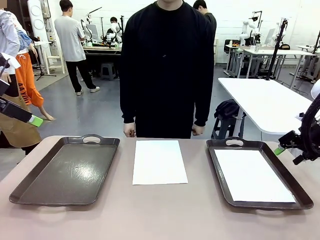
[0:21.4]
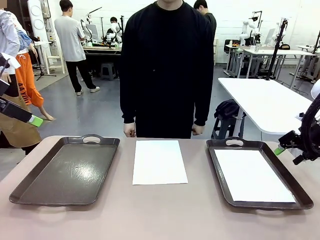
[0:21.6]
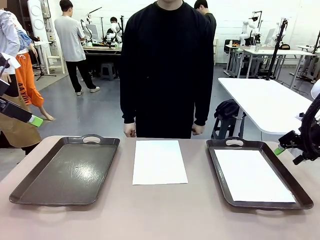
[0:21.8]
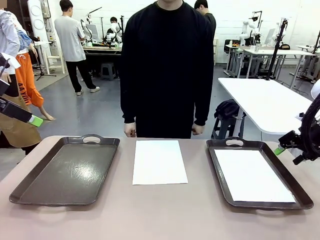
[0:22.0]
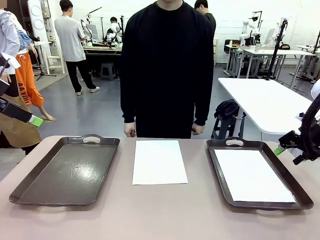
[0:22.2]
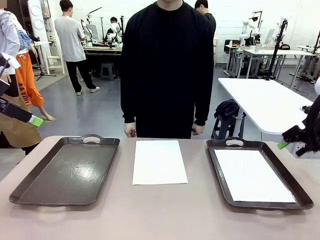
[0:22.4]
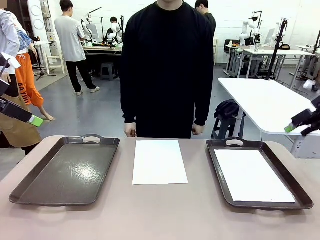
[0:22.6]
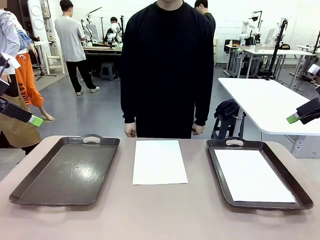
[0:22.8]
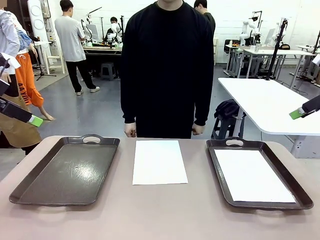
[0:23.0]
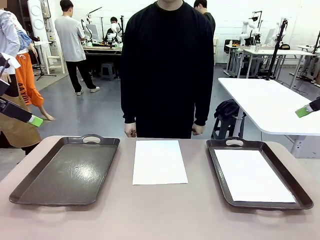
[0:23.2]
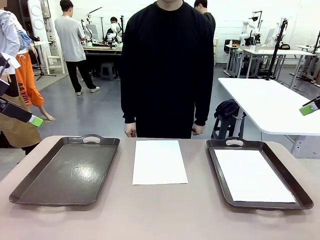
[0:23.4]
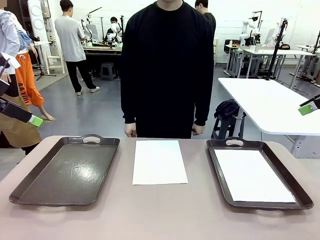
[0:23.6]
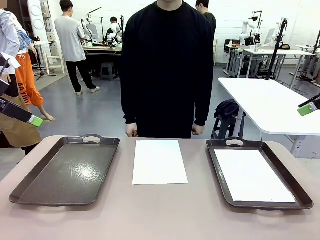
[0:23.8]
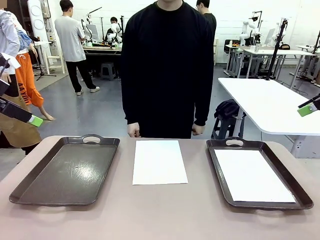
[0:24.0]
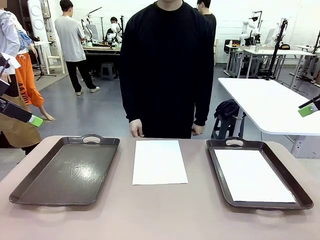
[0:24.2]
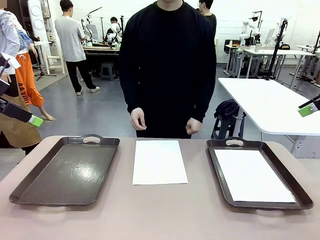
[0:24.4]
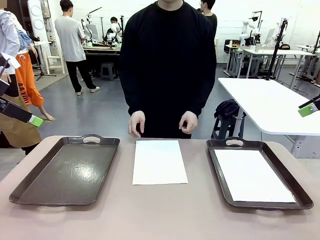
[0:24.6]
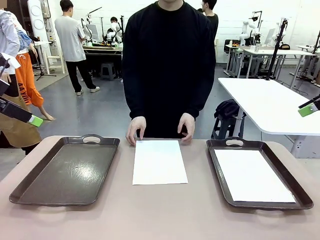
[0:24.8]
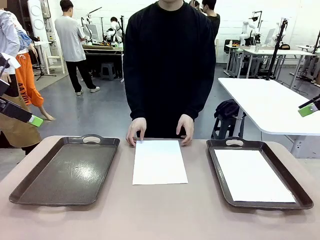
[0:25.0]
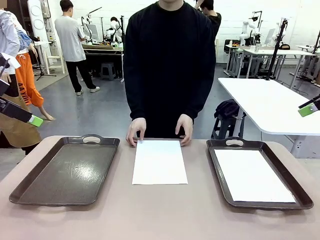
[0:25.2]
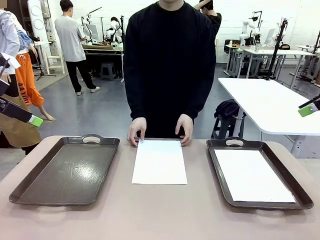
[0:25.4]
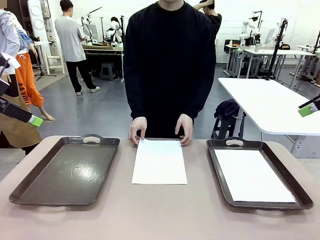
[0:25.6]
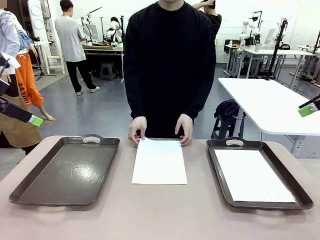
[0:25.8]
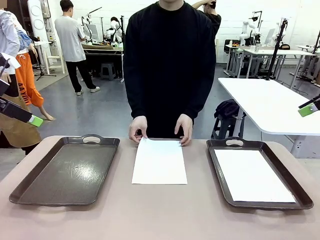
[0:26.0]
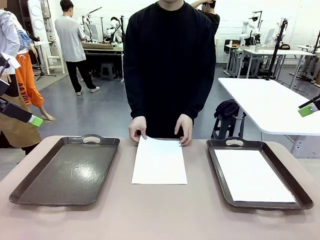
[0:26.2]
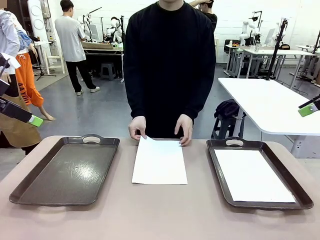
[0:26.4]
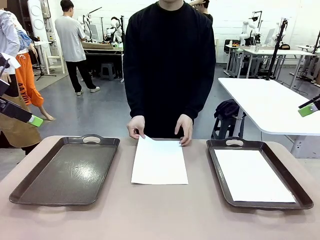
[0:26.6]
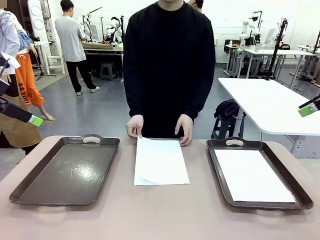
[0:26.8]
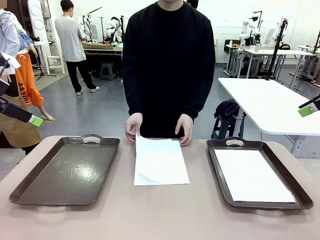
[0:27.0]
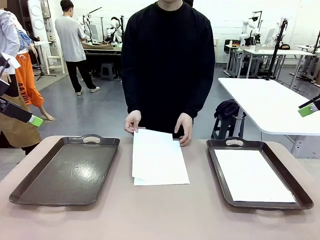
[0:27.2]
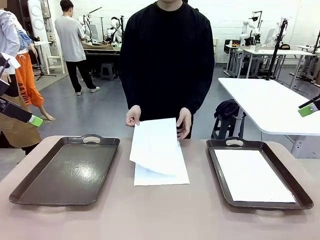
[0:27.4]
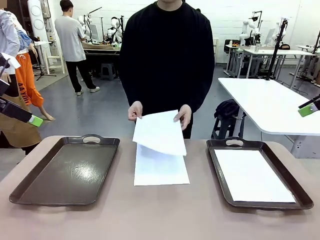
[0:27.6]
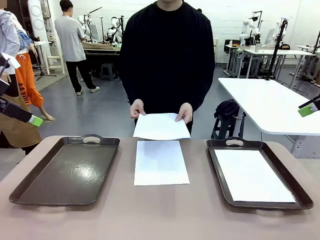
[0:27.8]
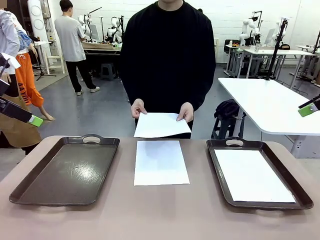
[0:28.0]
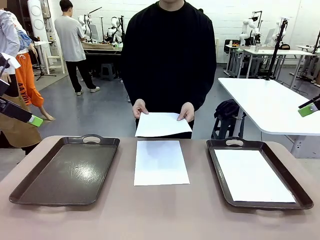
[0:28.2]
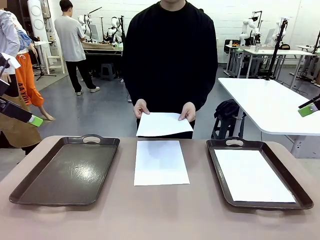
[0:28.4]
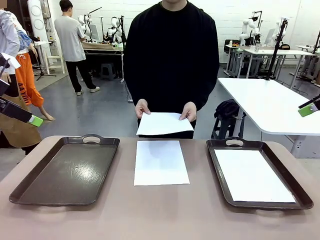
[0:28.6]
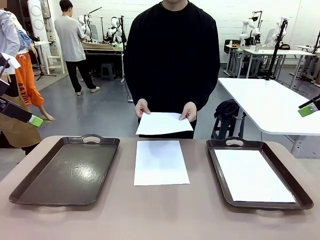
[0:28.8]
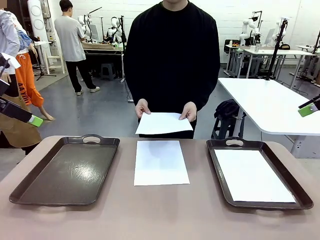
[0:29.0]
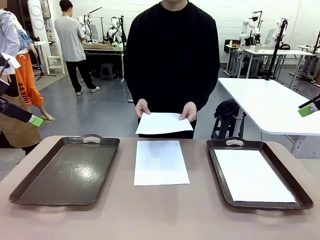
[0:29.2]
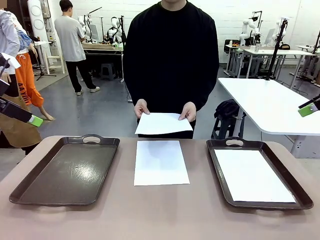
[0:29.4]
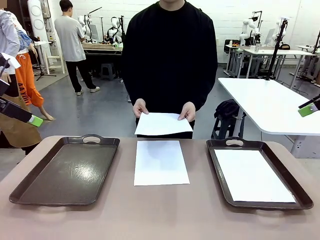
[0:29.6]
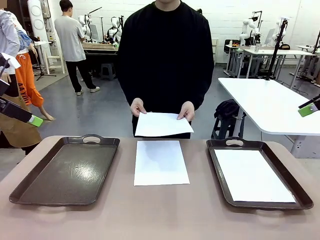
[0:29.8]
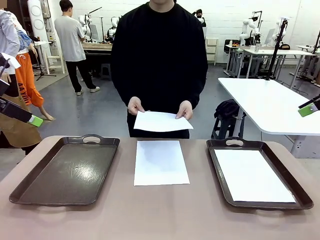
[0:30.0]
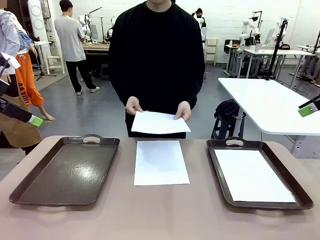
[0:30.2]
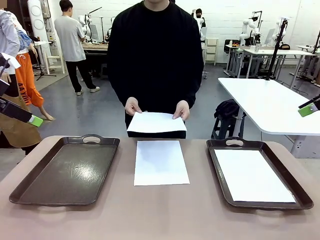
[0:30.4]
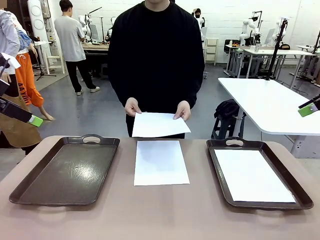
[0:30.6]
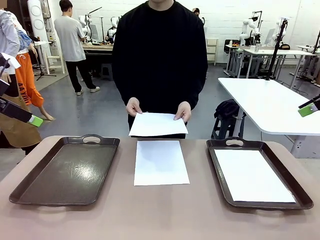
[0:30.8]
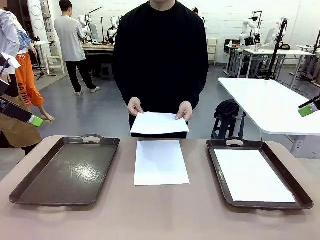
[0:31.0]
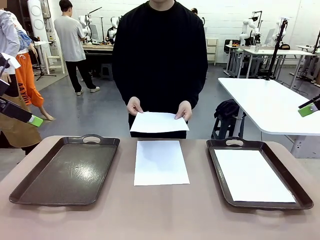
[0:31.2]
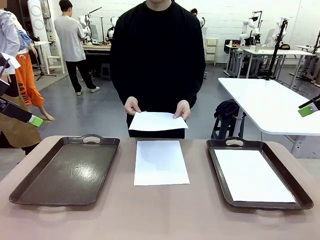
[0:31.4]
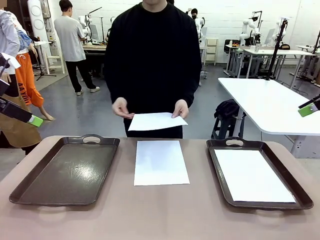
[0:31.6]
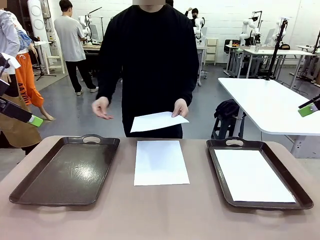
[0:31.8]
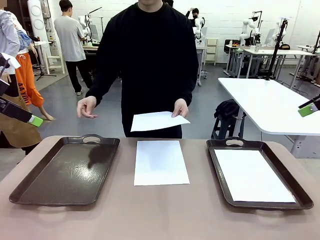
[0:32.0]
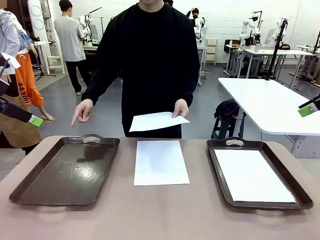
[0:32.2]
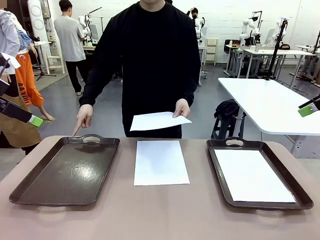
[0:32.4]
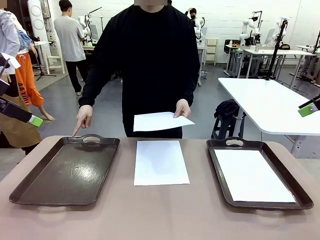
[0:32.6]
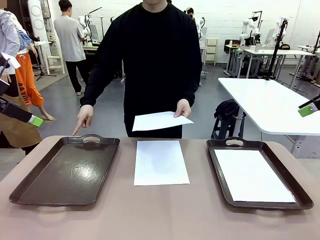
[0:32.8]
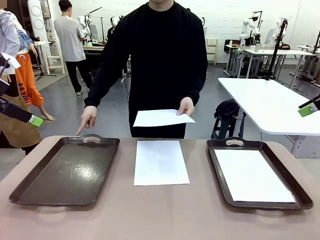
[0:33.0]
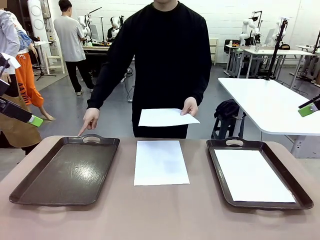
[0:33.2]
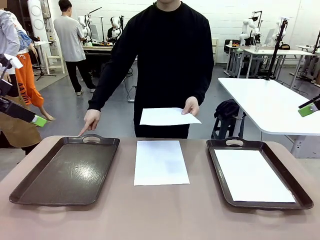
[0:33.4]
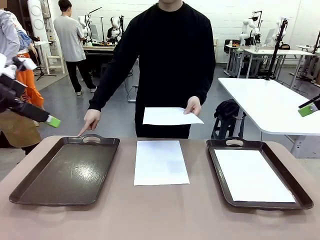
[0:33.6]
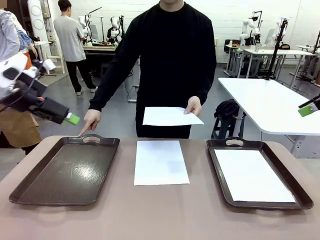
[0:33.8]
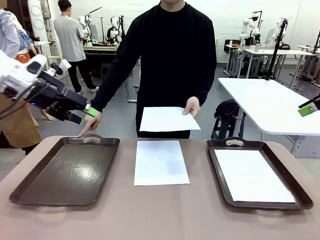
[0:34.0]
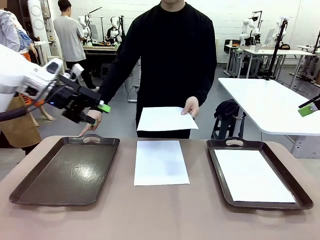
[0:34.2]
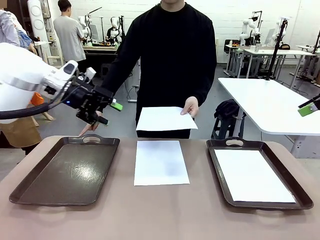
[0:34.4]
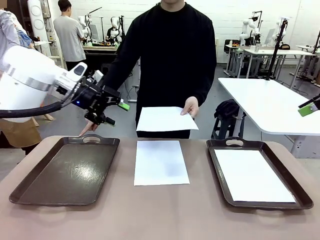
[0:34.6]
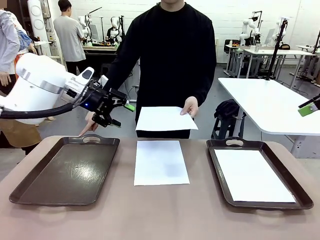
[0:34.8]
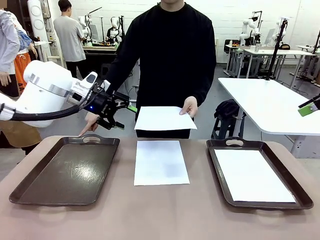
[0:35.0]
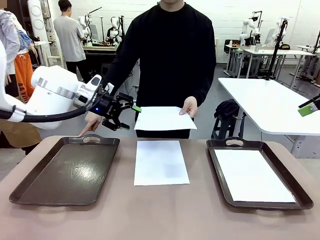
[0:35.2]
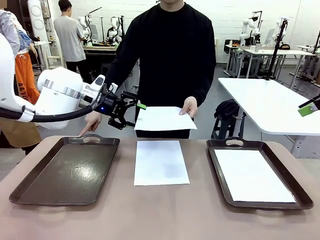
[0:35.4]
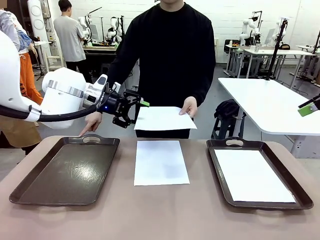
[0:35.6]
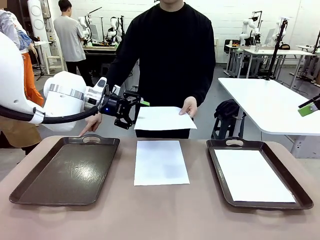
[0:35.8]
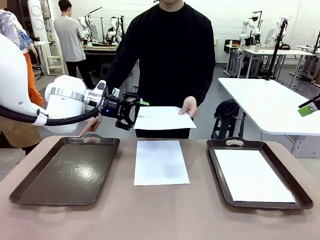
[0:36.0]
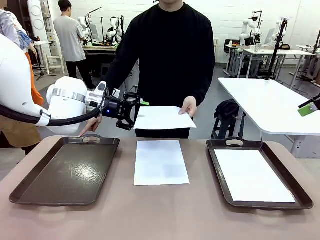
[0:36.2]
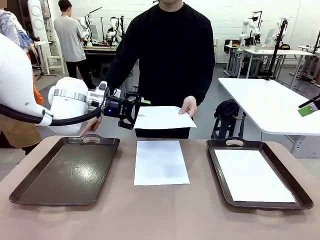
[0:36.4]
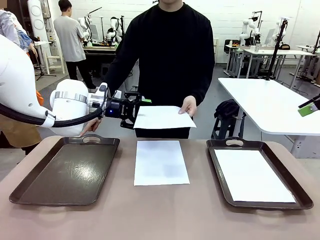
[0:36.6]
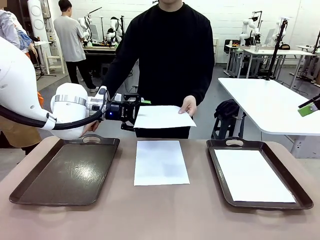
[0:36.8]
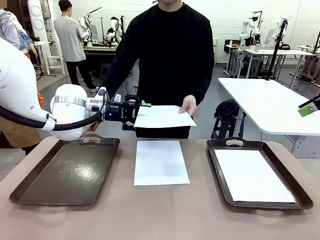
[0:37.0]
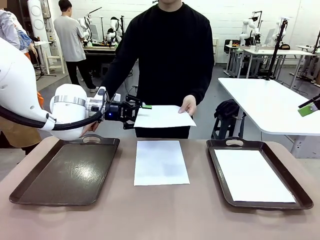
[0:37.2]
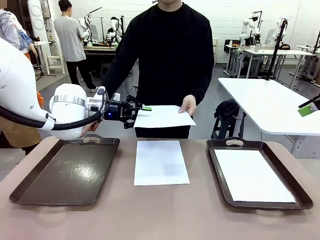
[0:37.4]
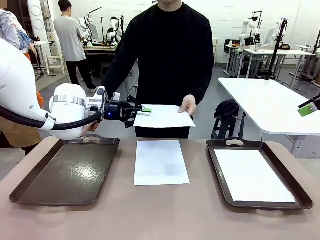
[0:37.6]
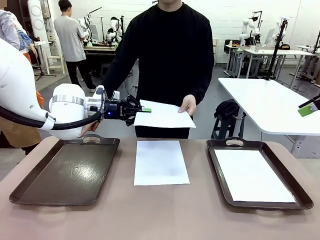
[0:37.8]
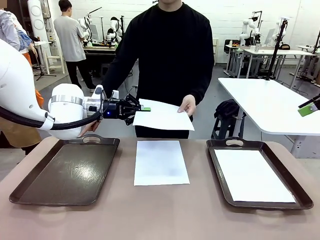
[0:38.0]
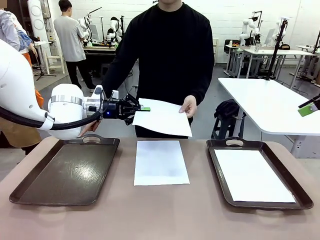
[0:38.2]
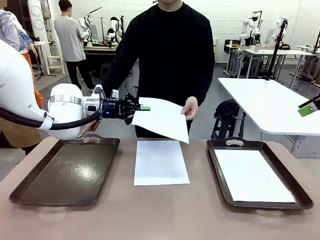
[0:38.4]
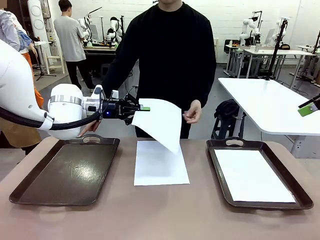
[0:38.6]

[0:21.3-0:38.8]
Task: Sort the A4 documents.
Robot: Receive the A4 Paper.
Person: Point the randomly selected tray with the other hand.

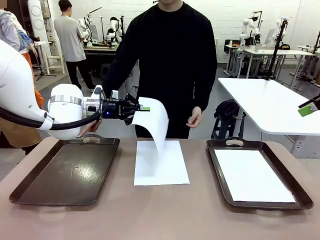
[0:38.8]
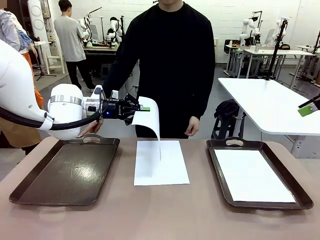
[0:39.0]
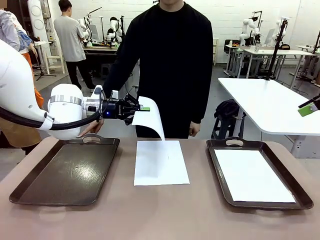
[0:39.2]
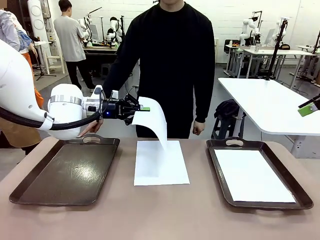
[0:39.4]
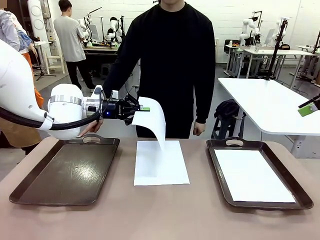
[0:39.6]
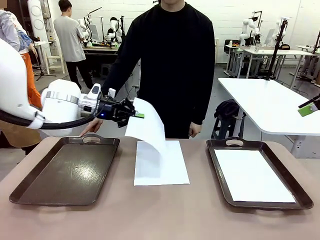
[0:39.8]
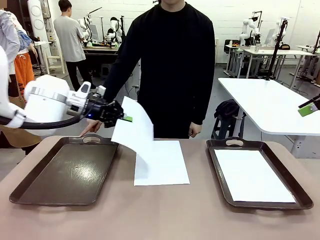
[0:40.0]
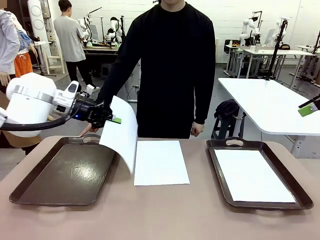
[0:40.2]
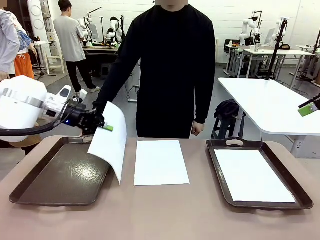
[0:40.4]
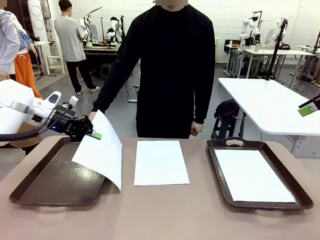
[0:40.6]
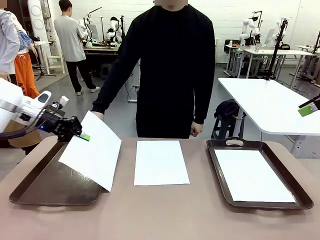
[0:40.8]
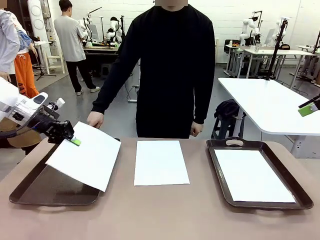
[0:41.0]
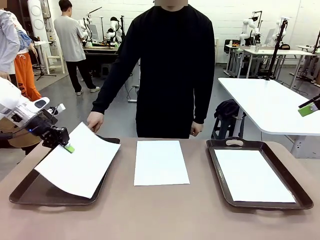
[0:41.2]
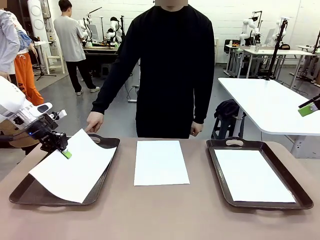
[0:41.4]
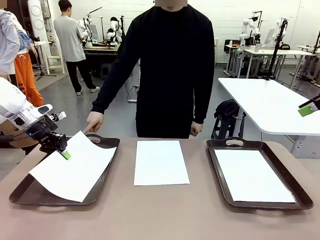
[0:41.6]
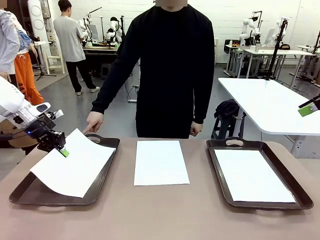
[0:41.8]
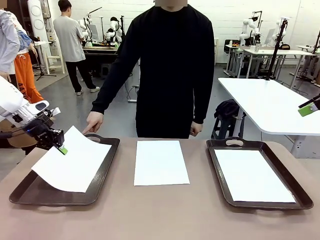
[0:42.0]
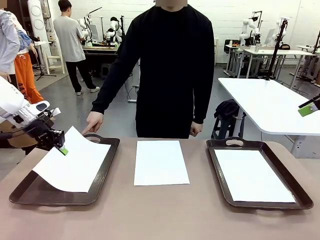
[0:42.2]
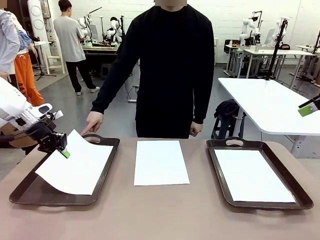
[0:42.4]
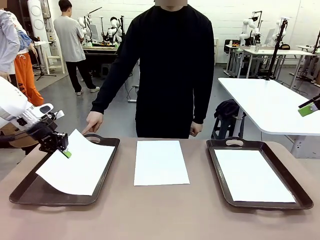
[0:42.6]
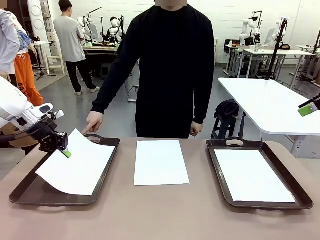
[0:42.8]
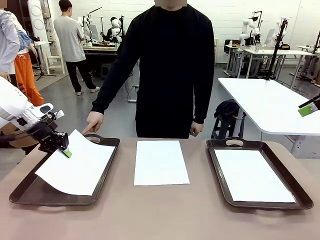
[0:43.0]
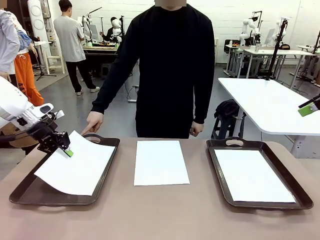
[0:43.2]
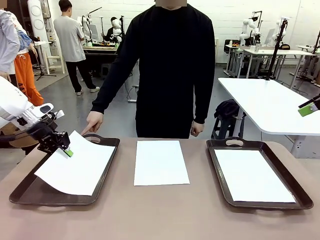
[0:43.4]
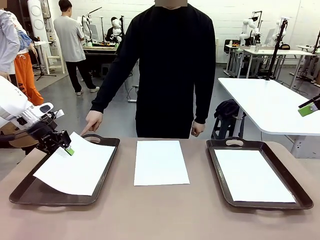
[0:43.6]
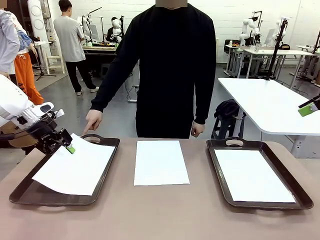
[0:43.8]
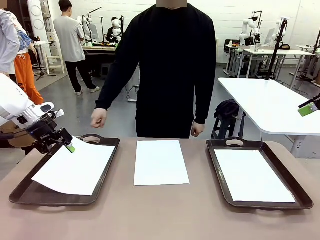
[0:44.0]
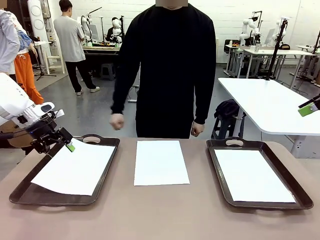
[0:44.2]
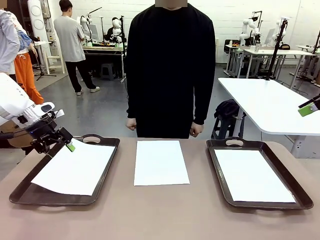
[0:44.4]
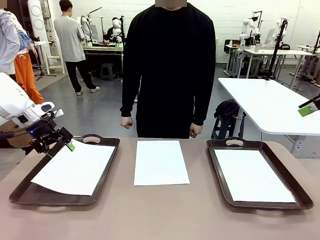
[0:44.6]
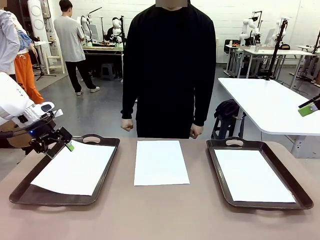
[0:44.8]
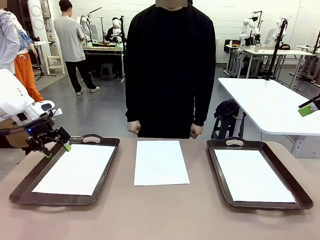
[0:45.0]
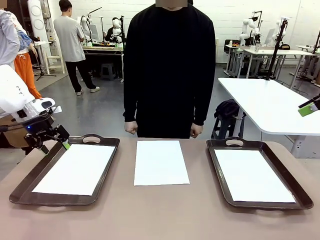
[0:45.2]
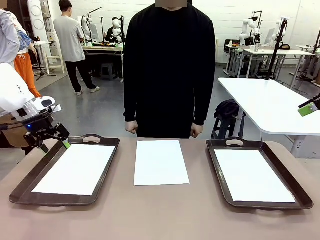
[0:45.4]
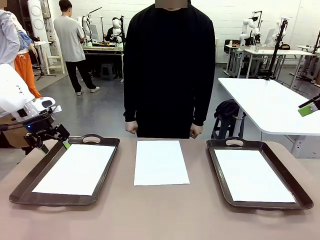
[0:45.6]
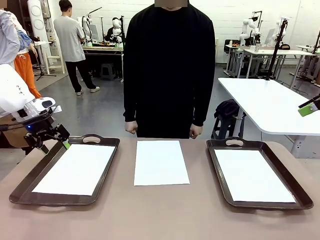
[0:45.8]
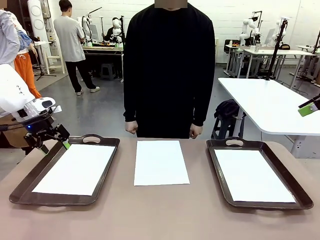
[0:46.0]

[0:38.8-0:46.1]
Robot: Place the A4 Paper in the designated Handle tray.
